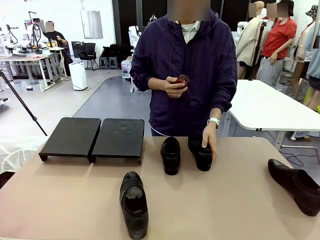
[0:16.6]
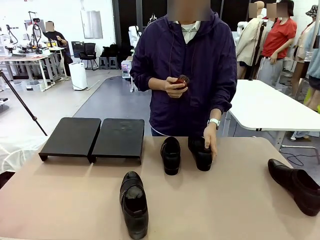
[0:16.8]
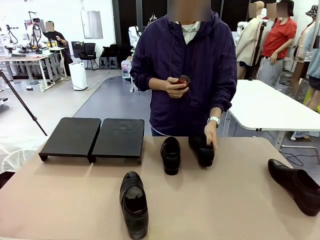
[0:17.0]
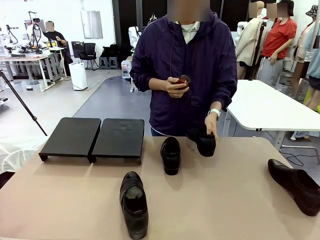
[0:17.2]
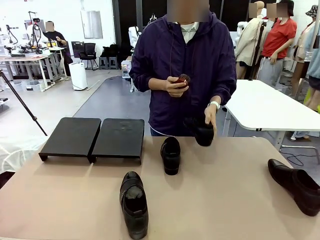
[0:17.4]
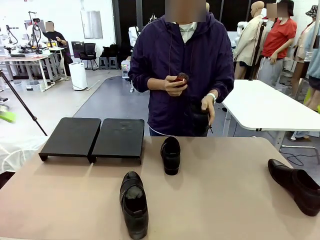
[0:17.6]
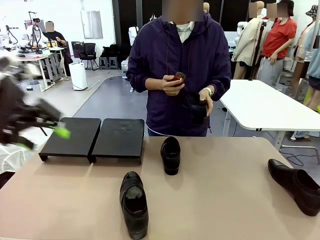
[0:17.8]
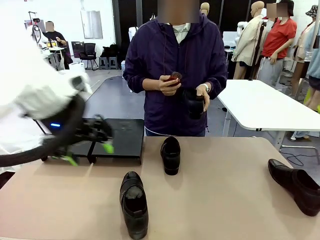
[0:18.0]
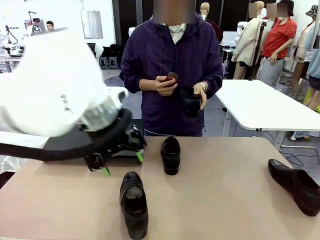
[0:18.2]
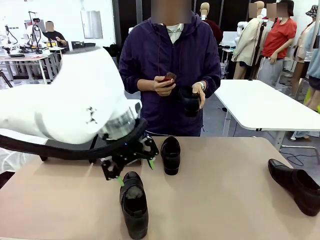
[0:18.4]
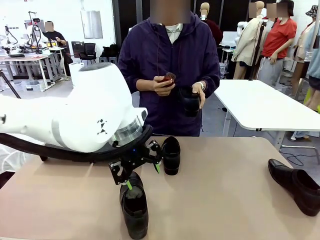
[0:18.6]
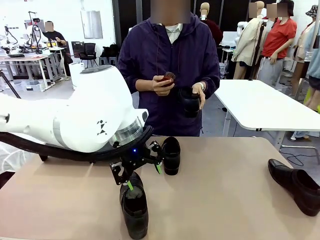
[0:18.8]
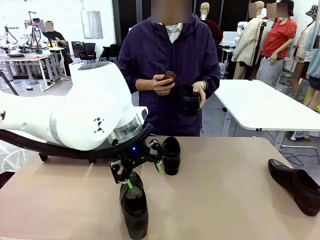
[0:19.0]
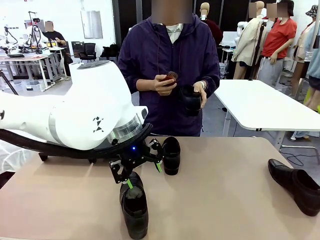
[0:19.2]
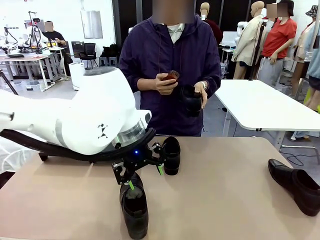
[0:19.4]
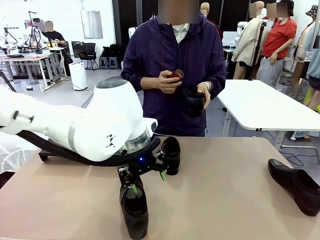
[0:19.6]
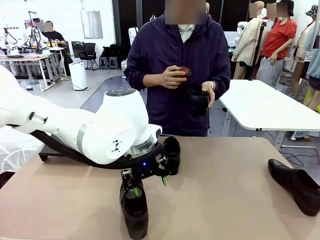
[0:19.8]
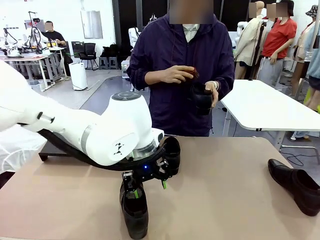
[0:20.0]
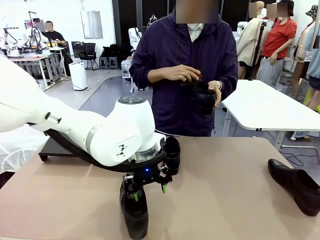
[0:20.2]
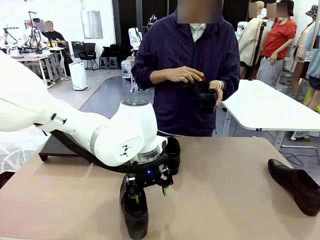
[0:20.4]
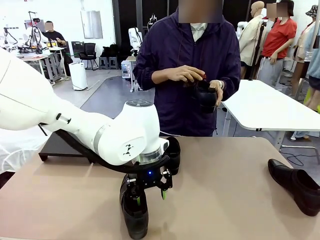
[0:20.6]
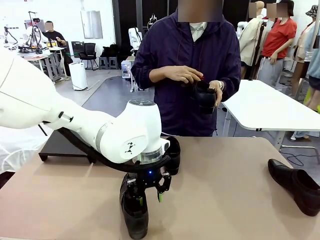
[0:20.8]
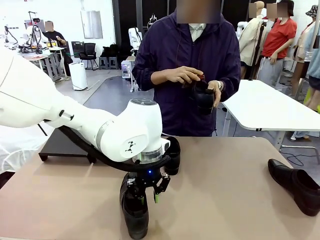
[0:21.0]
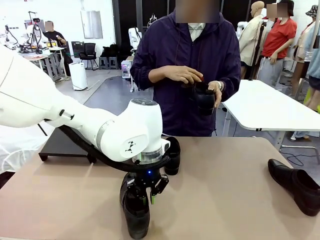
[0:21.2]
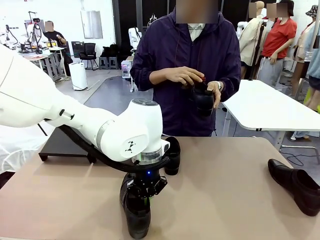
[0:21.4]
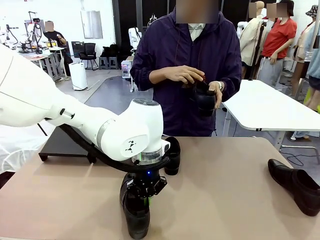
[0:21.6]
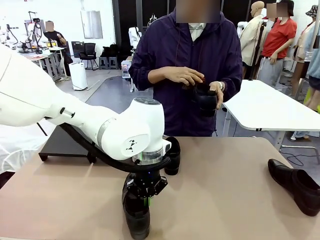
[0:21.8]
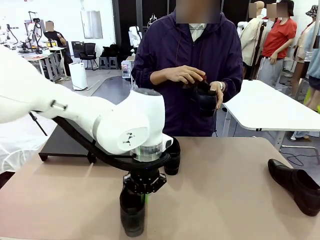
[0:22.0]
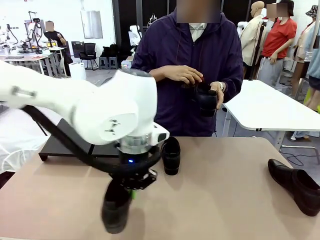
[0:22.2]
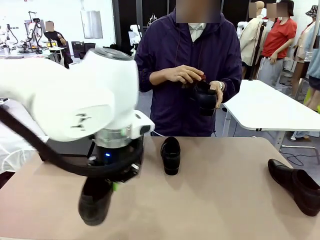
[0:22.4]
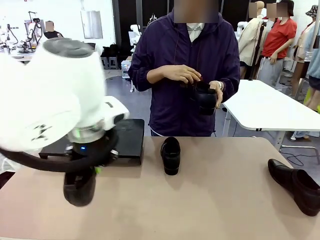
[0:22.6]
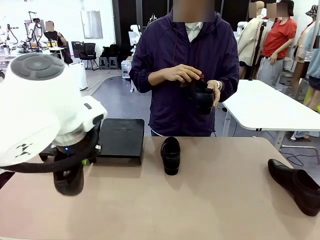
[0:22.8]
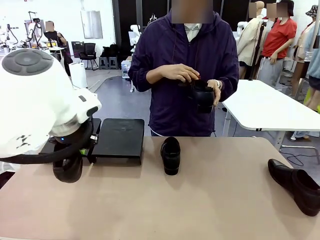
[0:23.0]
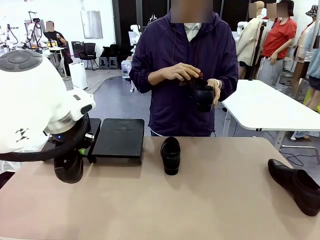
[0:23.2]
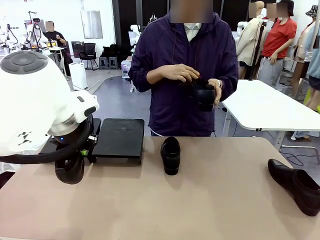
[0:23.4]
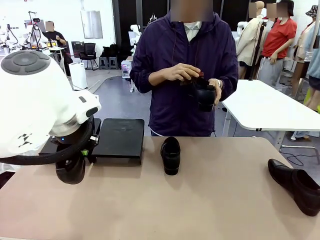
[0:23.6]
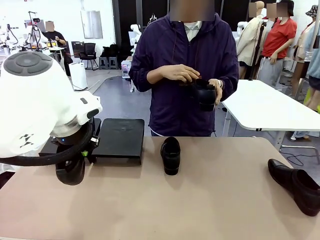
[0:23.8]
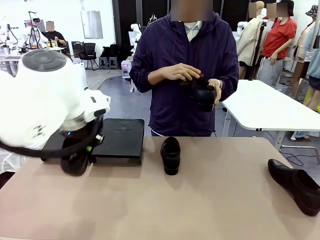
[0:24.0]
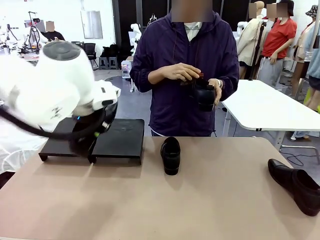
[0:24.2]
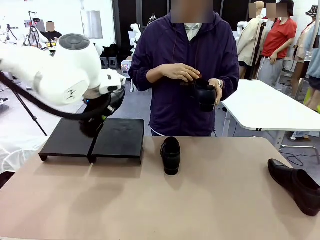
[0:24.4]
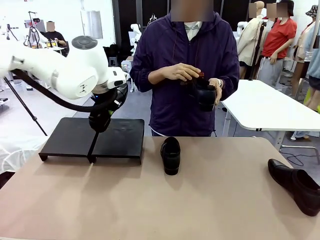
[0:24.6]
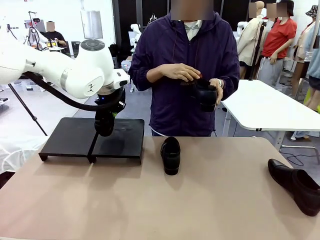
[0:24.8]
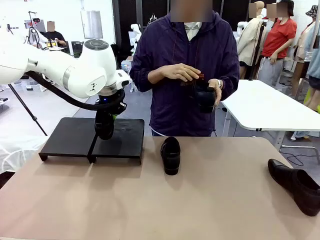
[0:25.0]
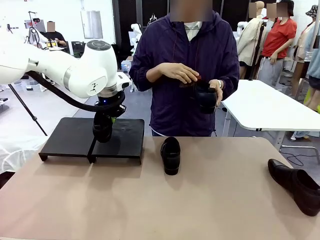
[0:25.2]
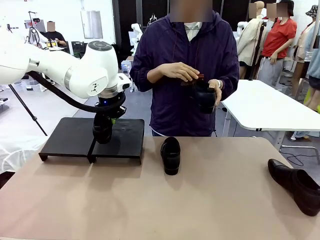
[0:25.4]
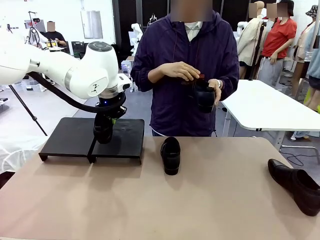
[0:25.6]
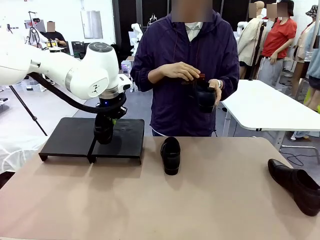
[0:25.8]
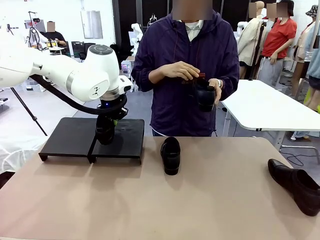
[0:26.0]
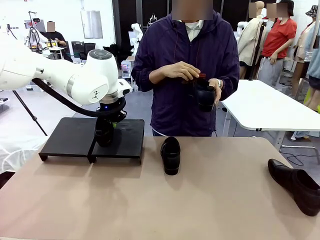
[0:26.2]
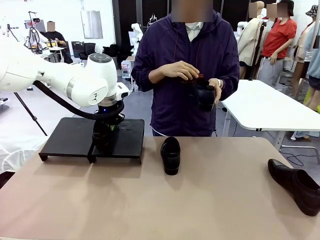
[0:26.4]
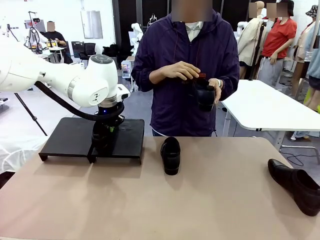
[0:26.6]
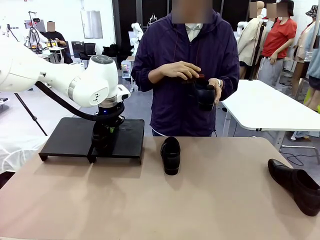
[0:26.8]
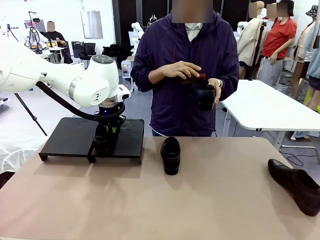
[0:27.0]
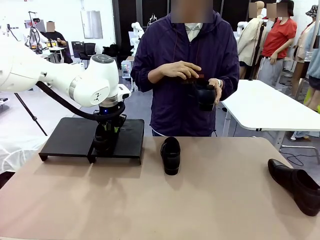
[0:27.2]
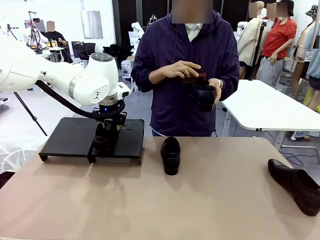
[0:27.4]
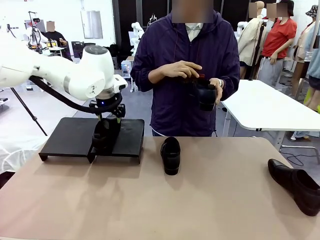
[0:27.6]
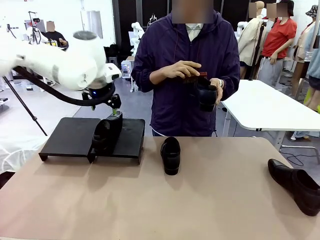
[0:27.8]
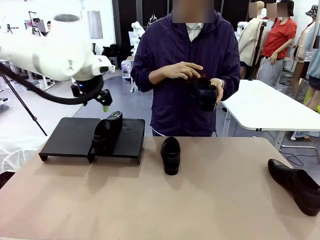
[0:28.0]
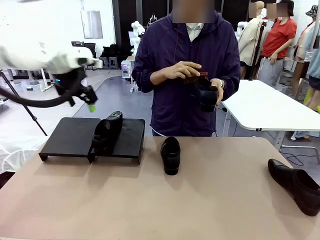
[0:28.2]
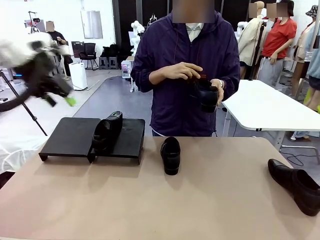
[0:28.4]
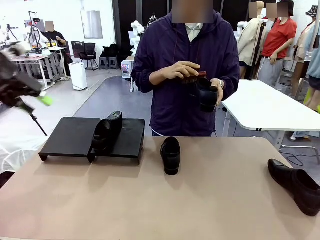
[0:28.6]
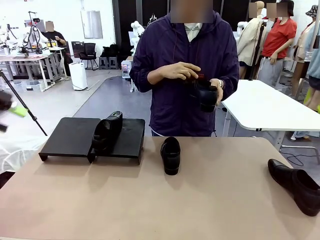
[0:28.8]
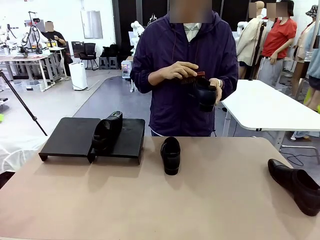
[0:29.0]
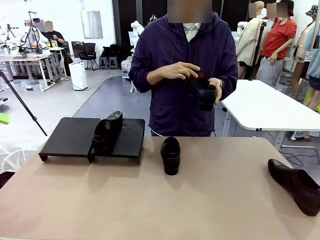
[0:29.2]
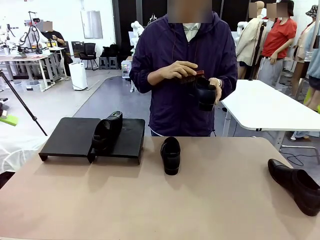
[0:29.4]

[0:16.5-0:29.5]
Task: Organize the shoes by placing them on the stand.
Robot: Place the Shoe from the middle of the table onto the Shoes Stand.
Person: Clean the Shoe with the Shoe Brush.

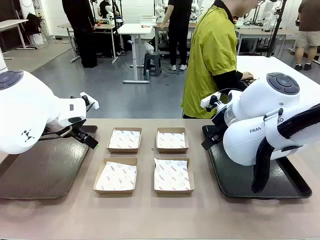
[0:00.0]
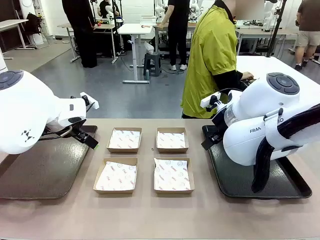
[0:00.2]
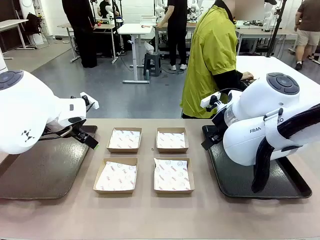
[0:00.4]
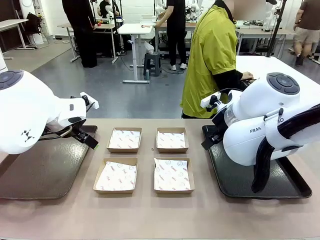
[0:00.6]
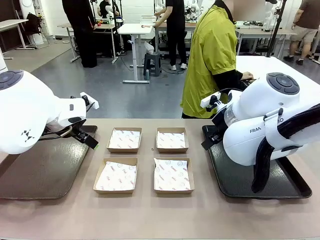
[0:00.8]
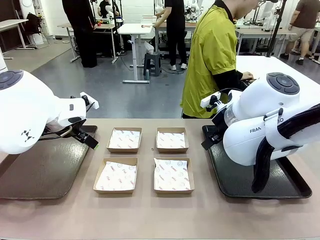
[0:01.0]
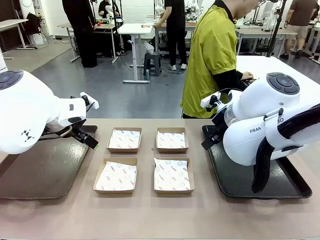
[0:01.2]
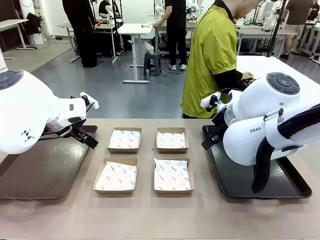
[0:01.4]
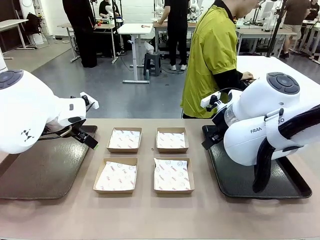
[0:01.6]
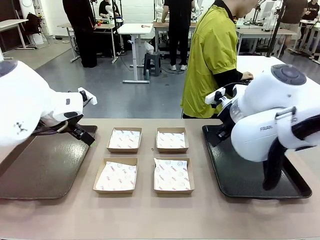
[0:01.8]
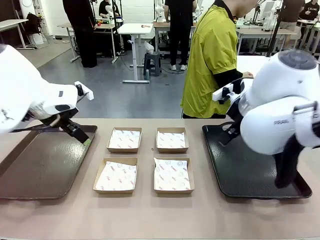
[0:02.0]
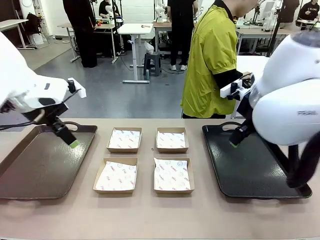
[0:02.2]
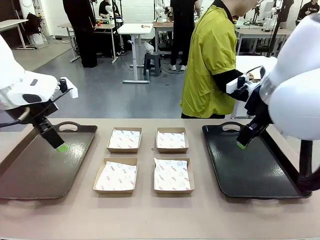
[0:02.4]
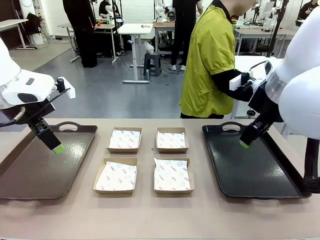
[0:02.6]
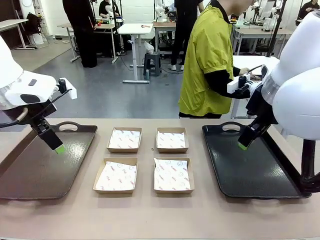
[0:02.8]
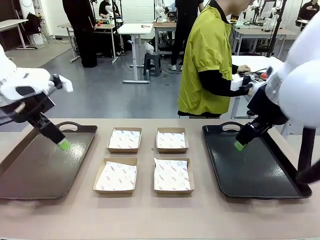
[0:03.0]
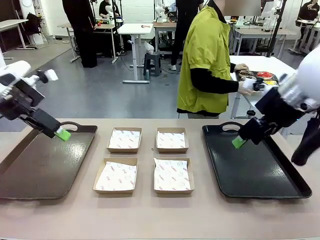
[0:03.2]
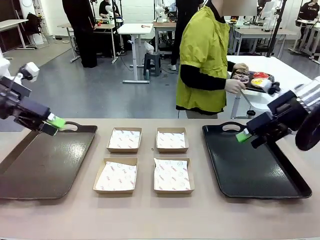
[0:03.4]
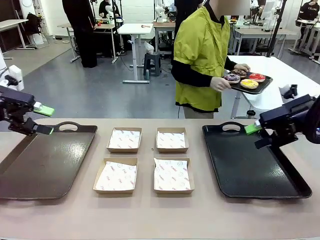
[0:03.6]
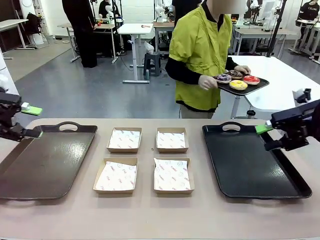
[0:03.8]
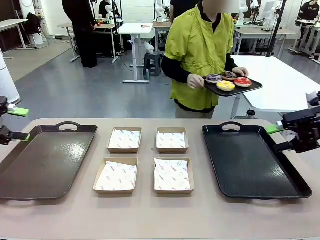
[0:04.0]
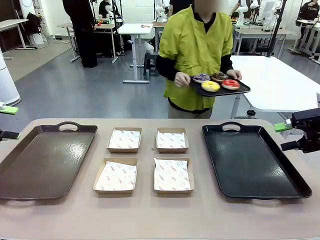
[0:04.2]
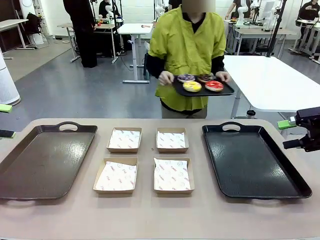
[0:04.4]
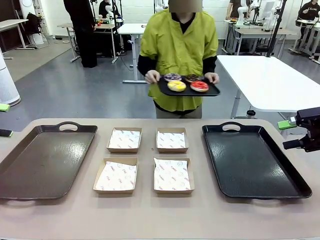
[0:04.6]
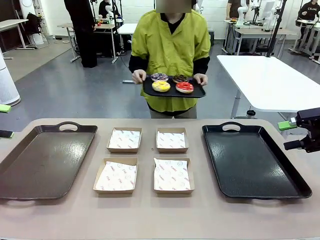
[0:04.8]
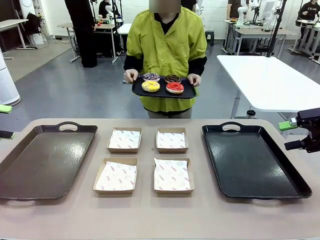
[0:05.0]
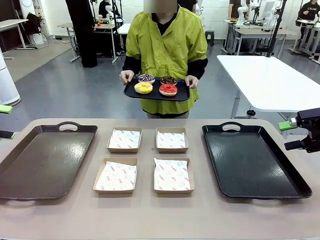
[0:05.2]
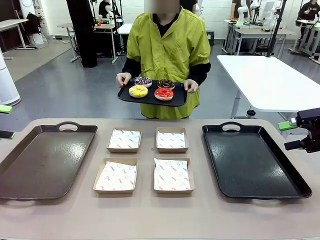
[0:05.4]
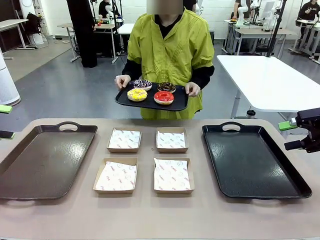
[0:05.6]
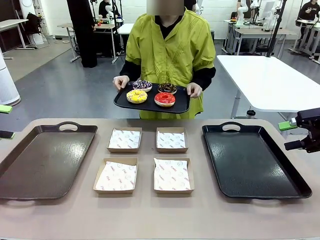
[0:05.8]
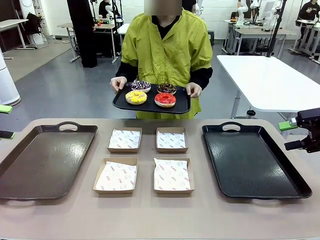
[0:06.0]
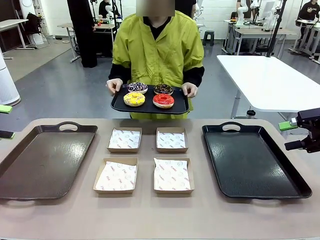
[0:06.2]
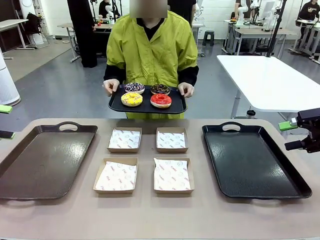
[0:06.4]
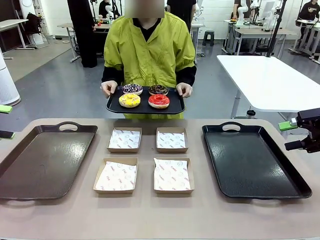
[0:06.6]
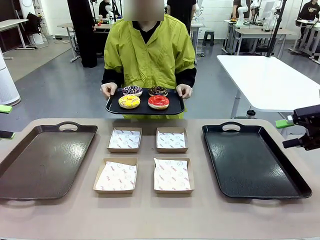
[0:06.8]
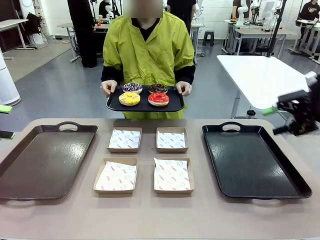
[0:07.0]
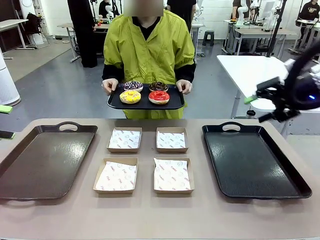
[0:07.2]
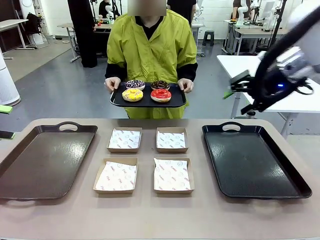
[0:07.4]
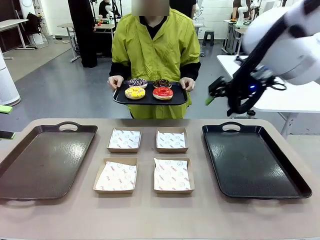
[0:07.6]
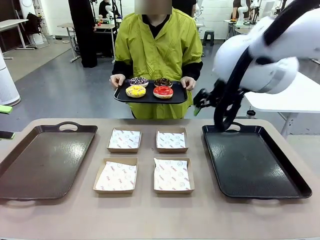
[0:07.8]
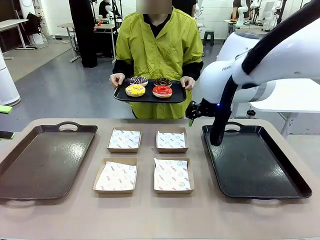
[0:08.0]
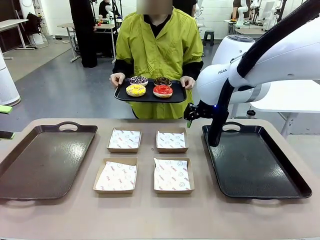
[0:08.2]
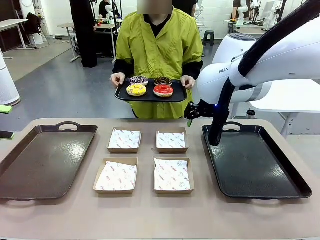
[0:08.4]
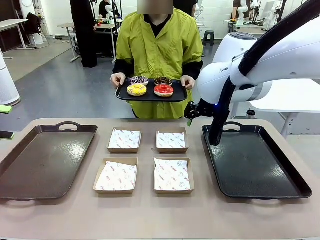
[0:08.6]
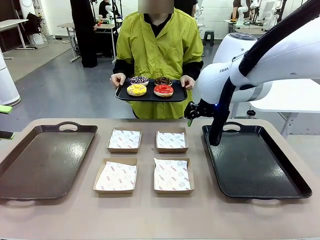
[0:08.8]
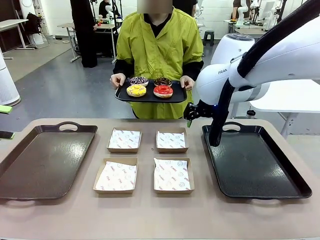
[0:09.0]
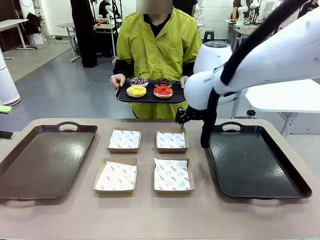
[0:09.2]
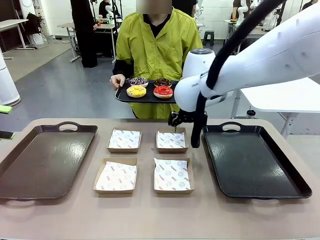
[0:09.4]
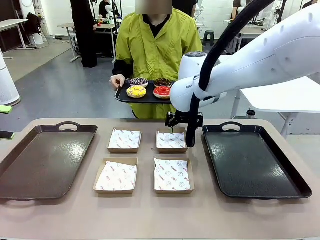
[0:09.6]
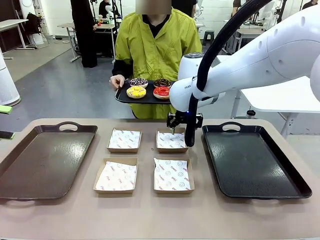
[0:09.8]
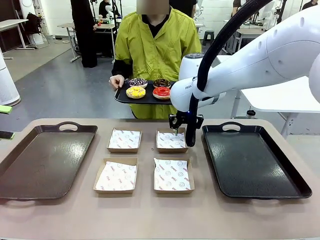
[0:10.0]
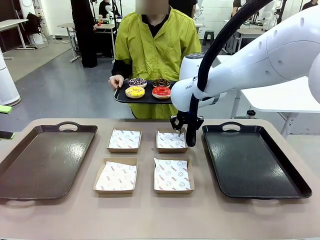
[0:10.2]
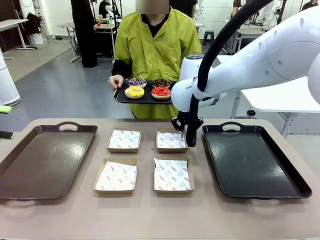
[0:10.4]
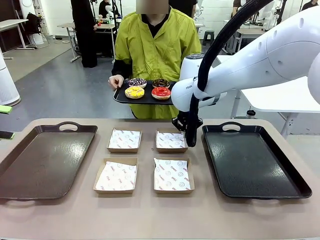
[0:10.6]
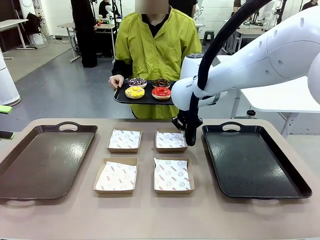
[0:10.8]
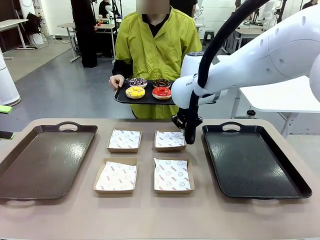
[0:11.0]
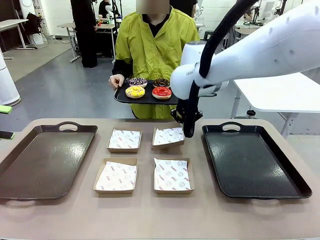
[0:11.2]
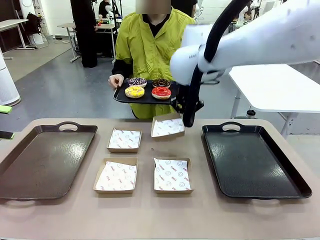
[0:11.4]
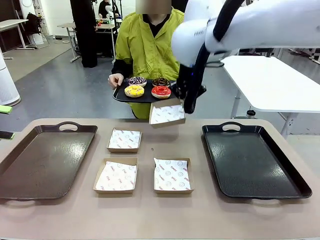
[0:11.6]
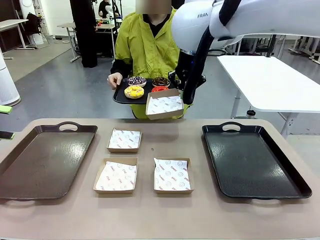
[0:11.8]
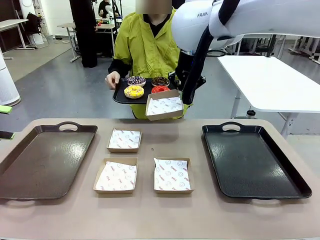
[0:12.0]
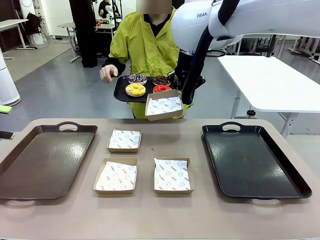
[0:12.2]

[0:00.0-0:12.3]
Task: Individually package the donuts and arrange them on the tray.
Robot: Pick up one Paper togo box.
Person: Stand in front of the robot table holding the tray containing the donuts.
